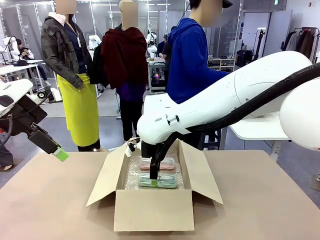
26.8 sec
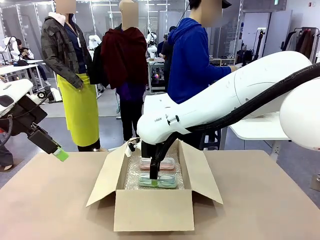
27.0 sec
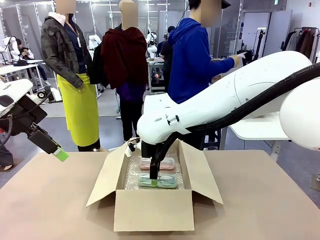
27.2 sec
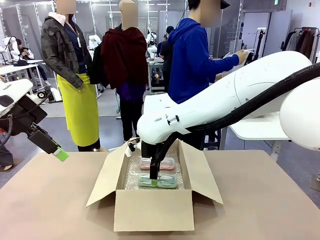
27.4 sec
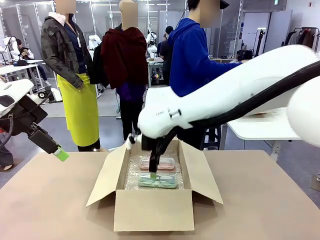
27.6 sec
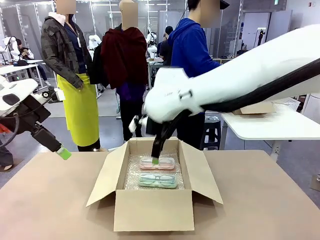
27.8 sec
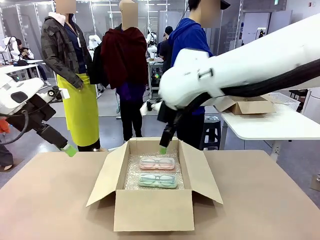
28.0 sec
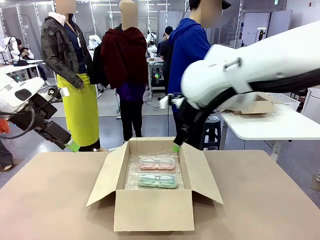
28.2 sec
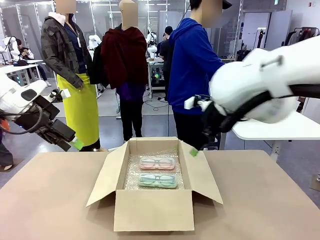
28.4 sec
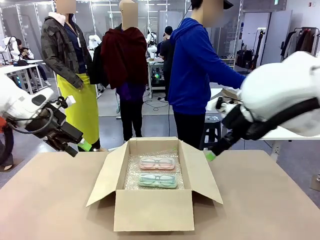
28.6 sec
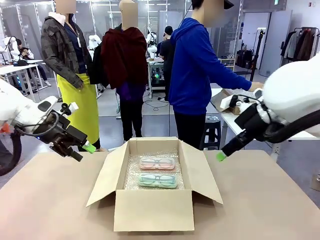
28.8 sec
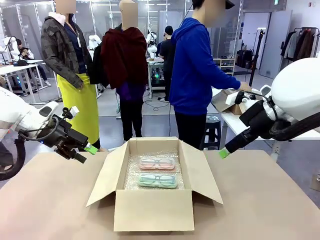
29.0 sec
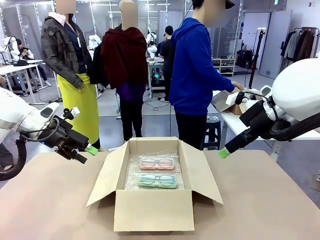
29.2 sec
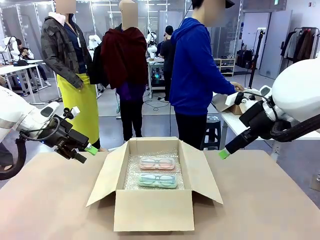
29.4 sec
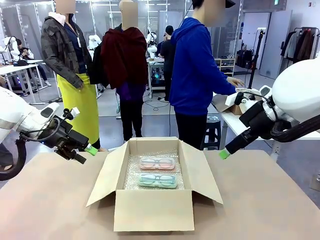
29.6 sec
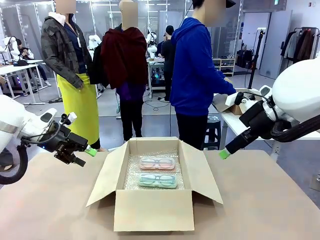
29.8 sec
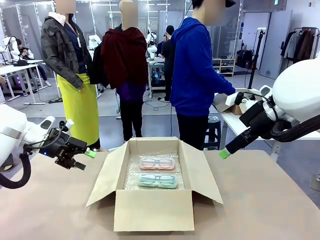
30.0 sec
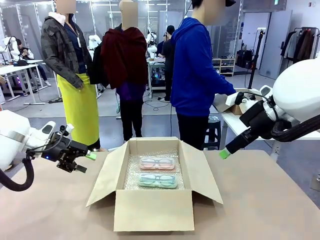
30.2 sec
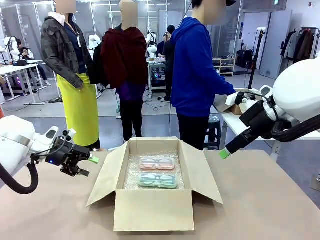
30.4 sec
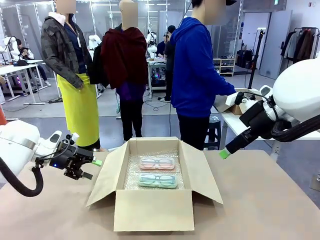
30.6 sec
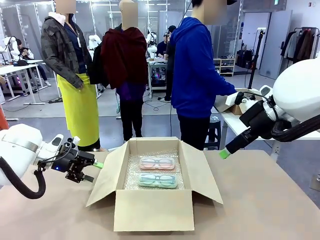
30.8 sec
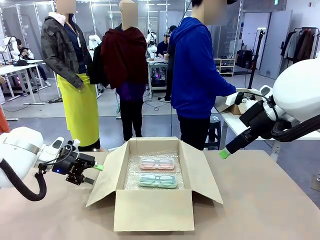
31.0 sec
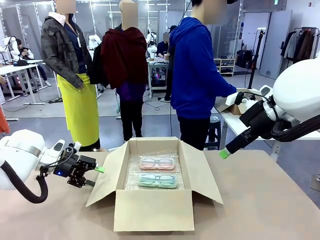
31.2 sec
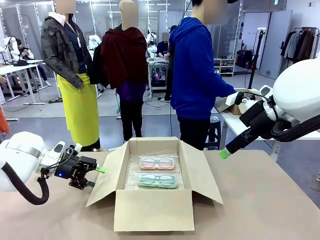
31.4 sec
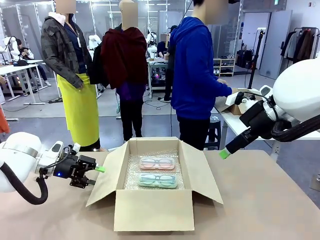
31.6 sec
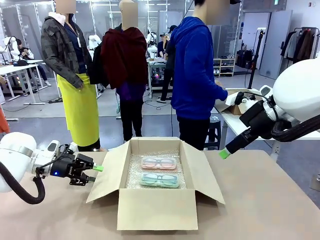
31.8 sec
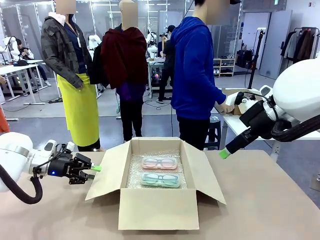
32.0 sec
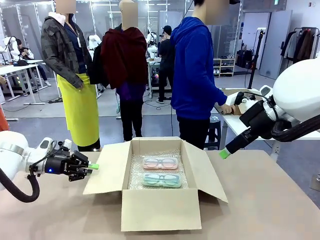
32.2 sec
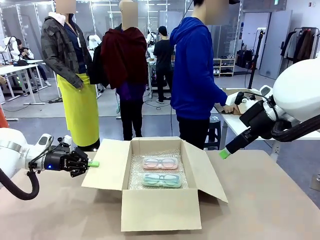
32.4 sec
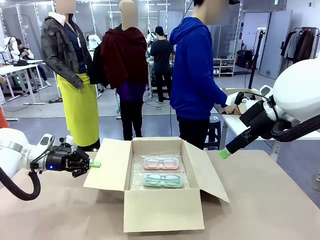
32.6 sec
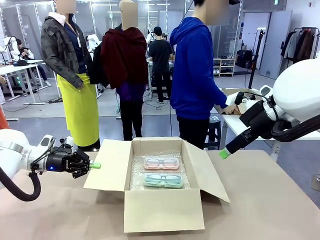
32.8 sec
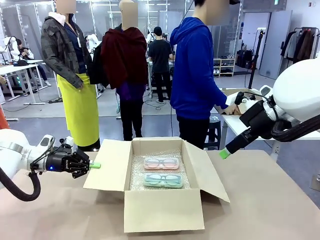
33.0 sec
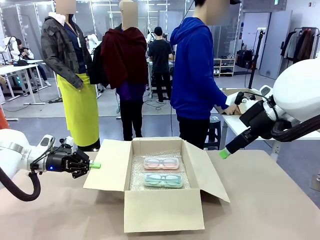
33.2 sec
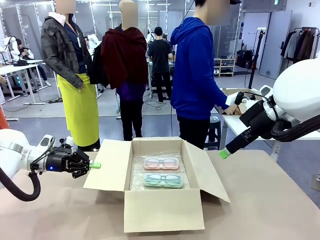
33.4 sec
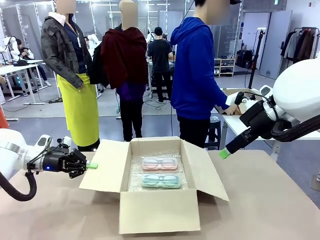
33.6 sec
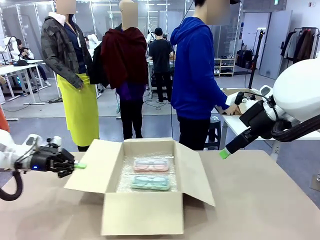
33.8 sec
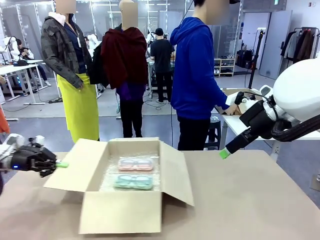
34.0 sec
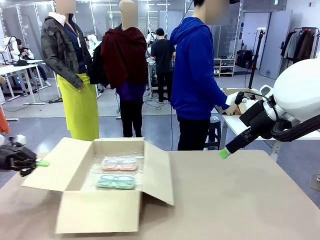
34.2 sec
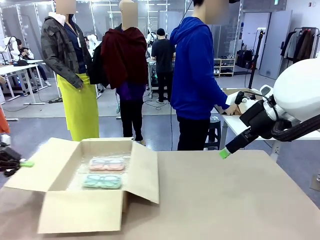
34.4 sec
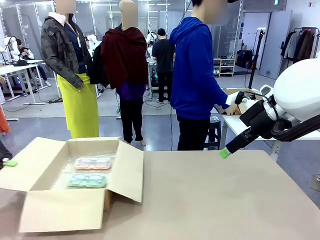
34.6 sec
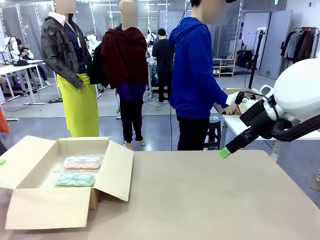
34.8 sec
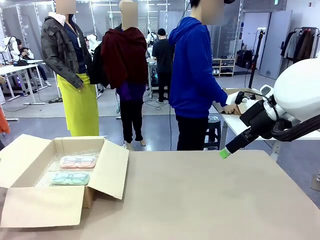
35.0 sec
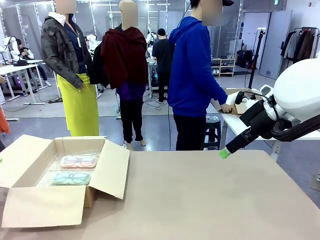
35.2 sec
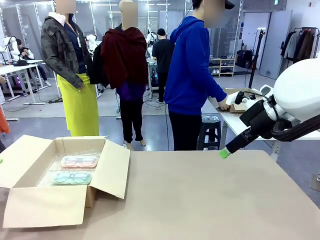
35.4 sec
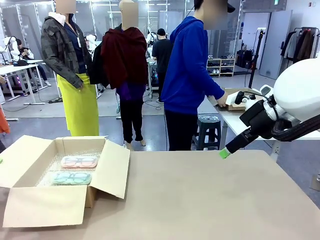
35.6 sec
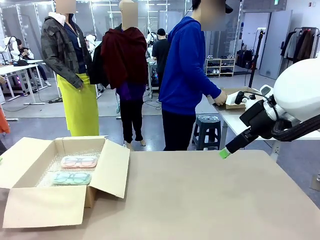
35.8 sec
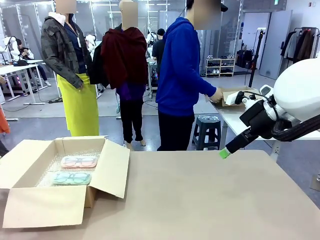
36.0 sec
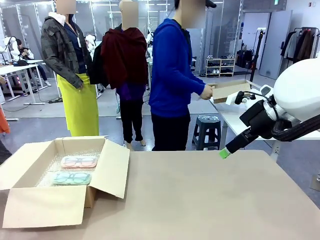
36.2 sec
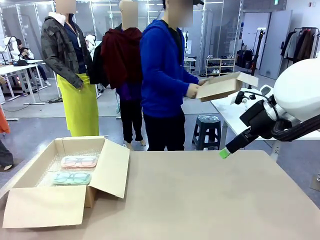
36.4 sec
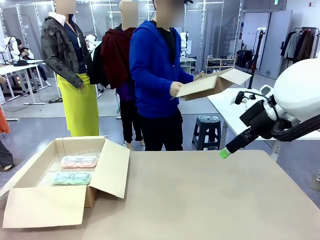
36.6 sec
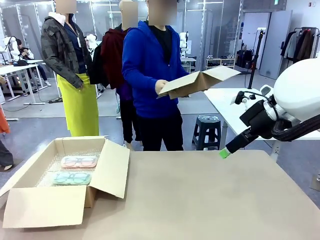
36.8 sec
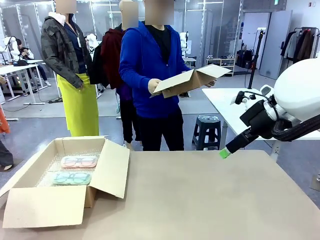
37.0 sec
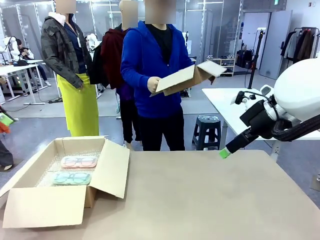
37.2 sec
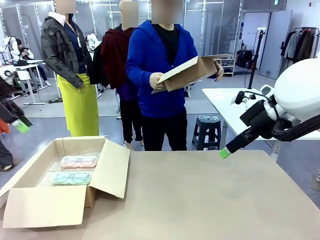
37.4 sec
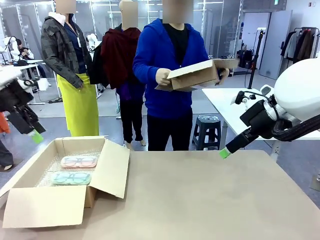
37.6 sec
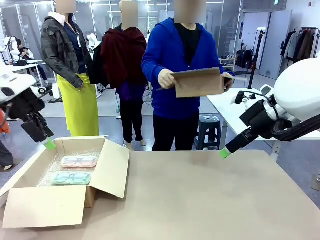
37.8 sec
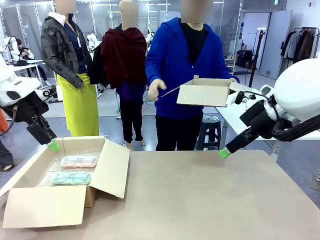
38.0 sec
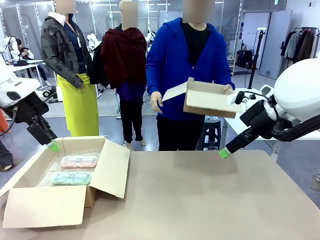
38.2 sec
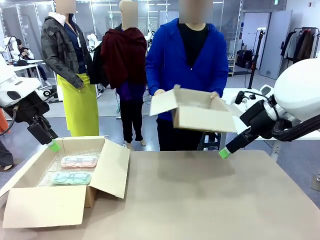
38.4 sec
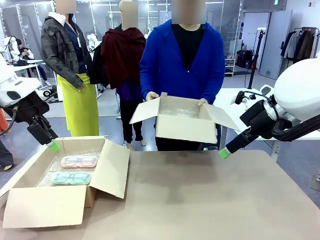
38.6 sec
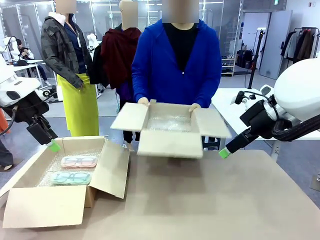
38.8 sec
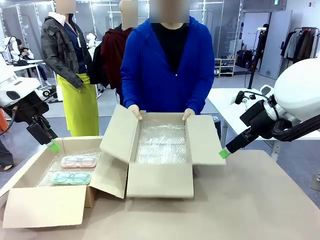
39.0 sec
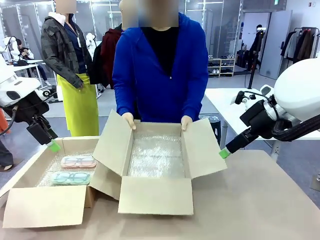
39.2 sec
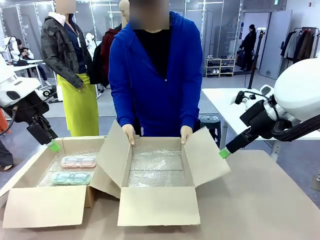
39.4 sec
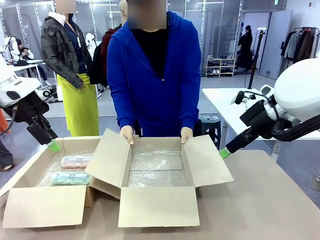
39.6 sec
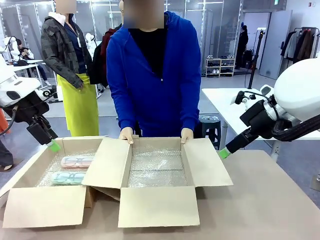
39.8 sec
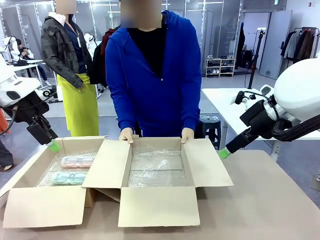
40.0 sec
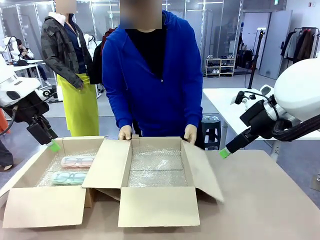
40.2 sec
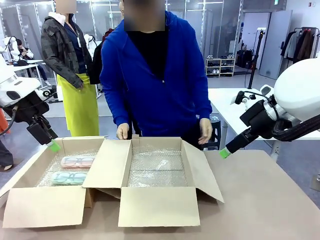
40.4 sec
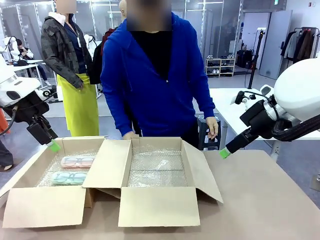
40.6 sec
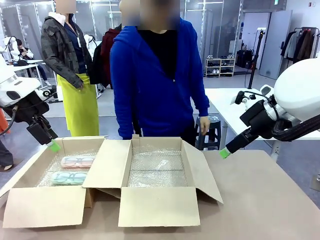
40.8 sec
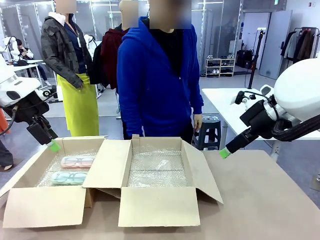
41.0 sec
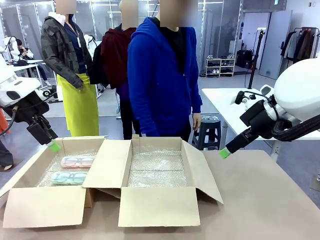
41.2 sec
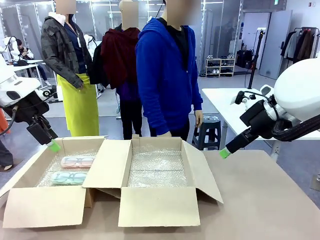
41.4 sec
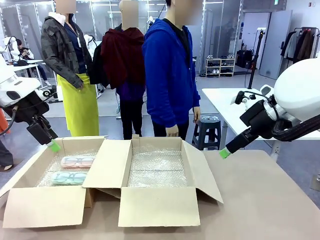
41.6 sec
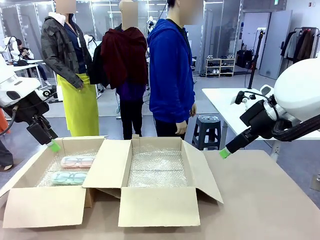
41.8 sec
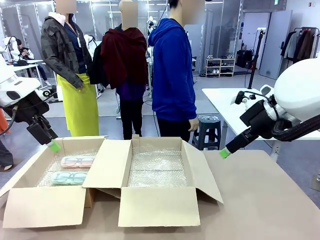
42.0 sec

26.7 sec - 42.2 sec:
Task: Pack the glasses set securely to prepare it for shipping.
Robot: Position the Package Box on the left side of the table.
Person: Position the empty Package Box in the middle of the robot's table.
